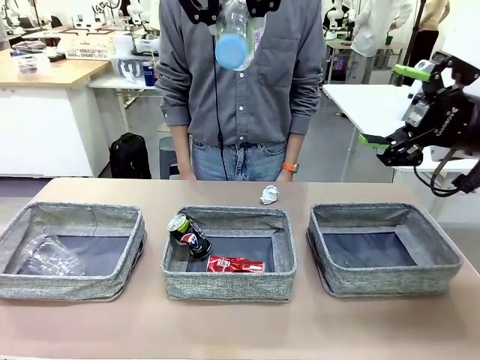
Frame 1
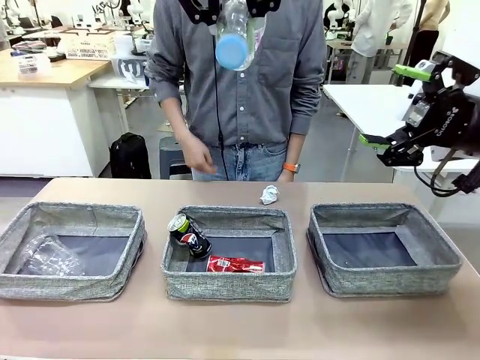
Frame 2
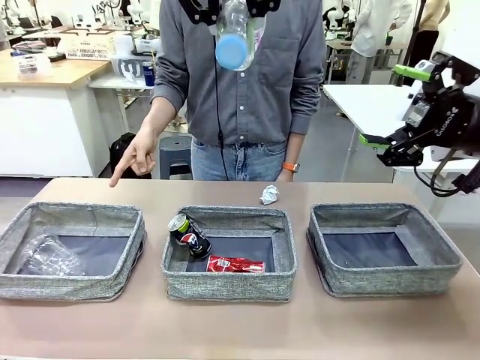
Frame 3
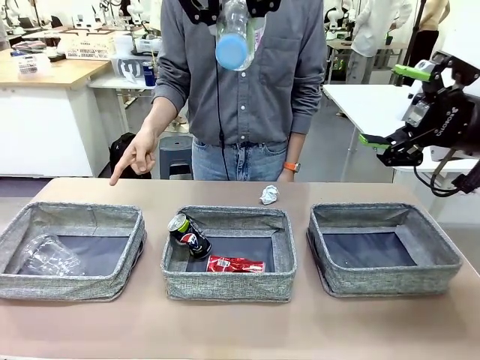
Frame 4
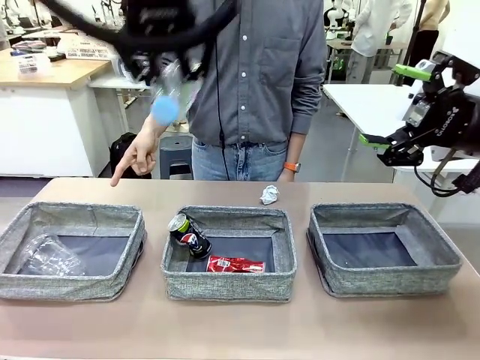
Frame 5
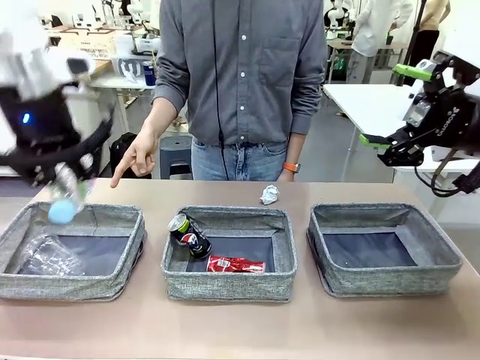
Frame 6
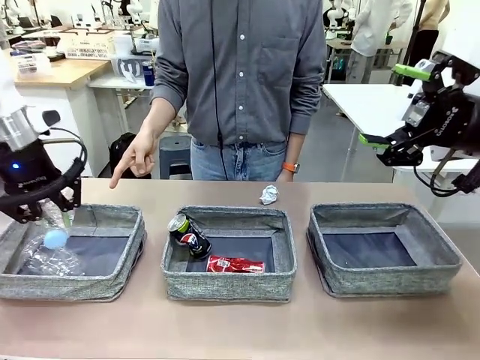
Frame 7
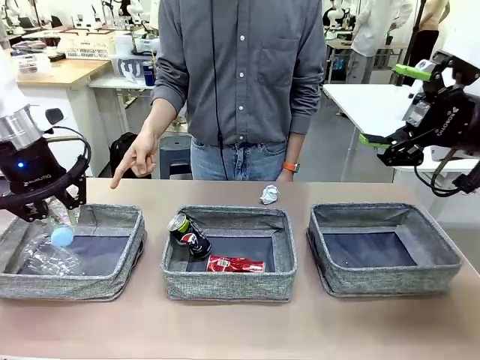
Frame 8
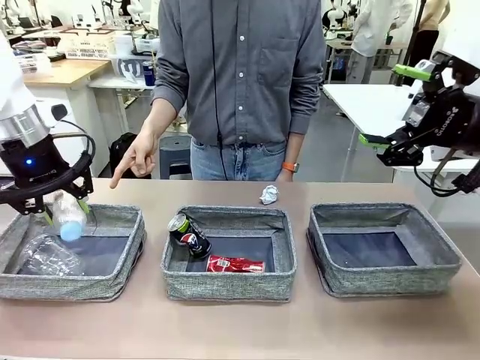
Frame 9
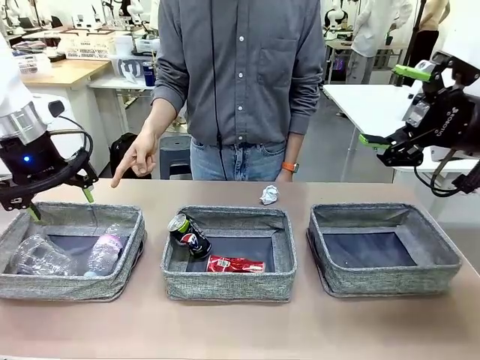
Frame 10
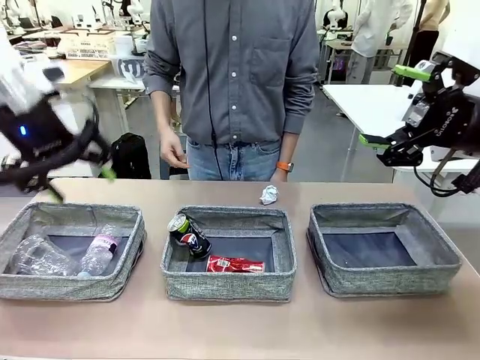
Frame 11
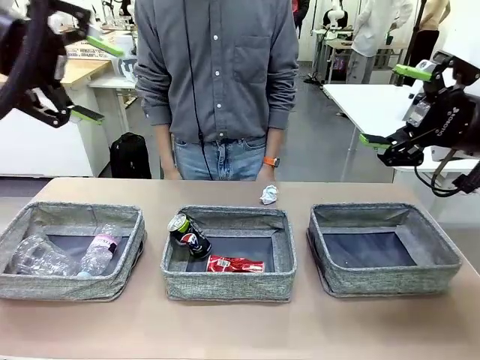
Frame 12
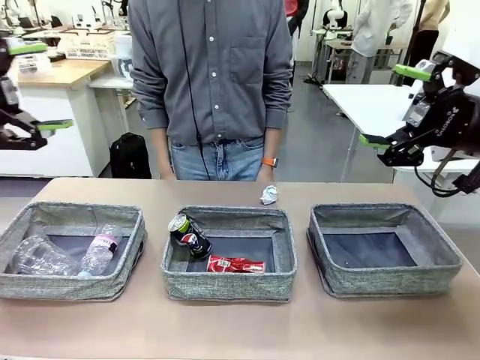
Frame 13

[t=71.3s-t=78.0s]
Task: Sort the waste into the appropriate baskets.
Robot: Place the picked waste into the Fabric basket indicated by the person.
Person: Instructs the robot to place the picked-up trash into the appropriate organizing basket.

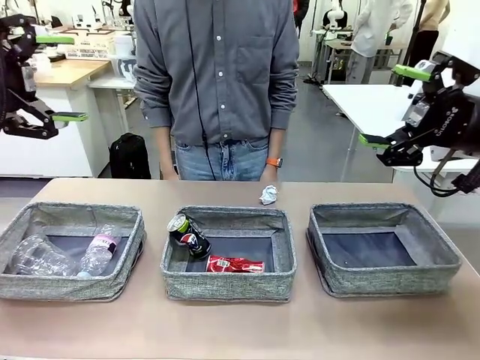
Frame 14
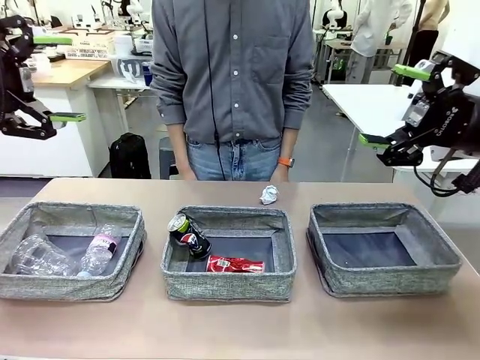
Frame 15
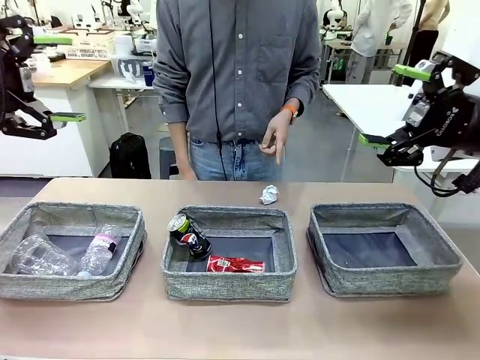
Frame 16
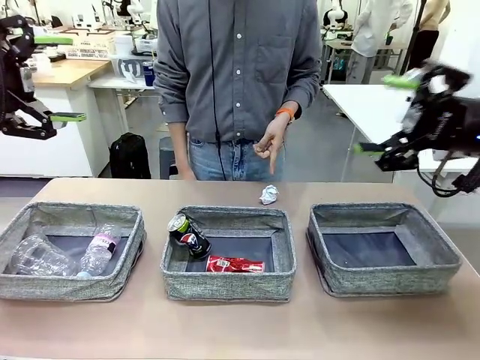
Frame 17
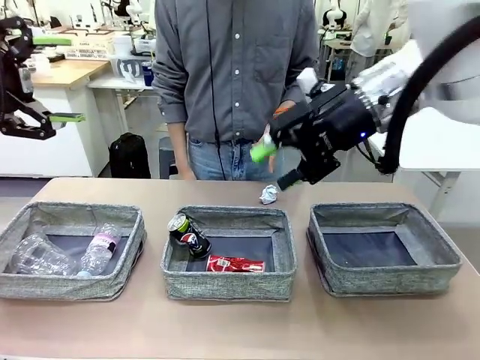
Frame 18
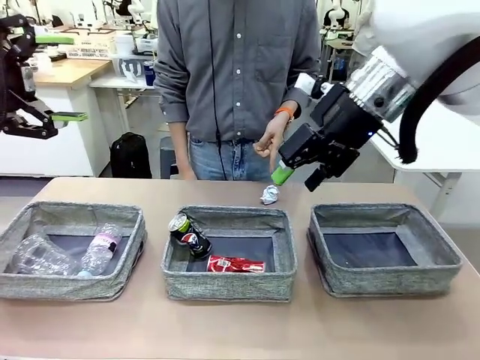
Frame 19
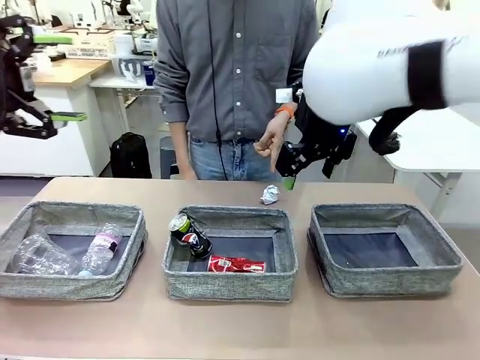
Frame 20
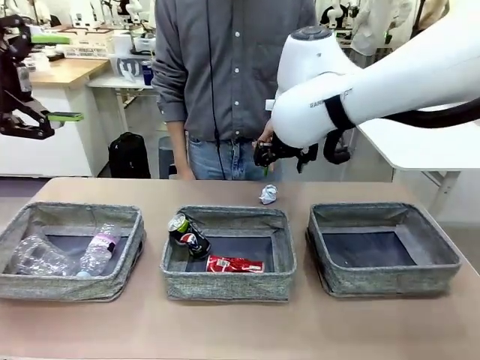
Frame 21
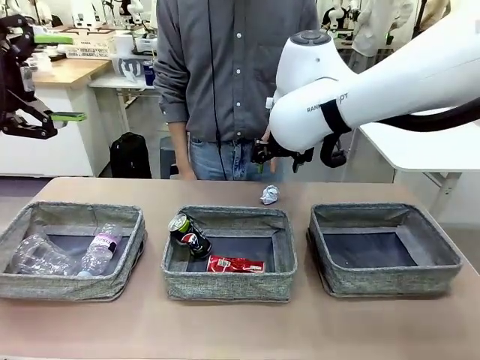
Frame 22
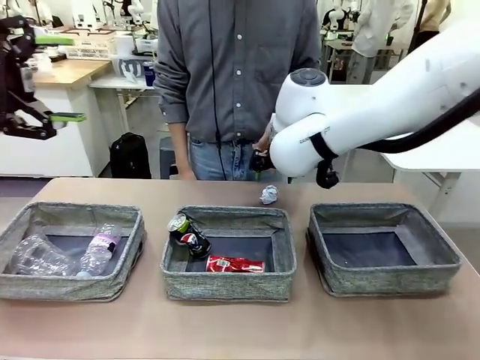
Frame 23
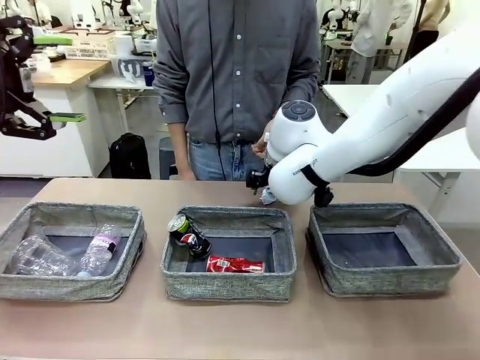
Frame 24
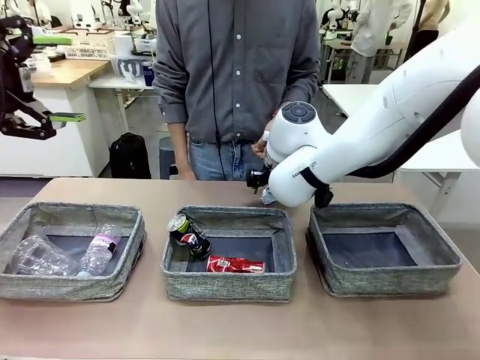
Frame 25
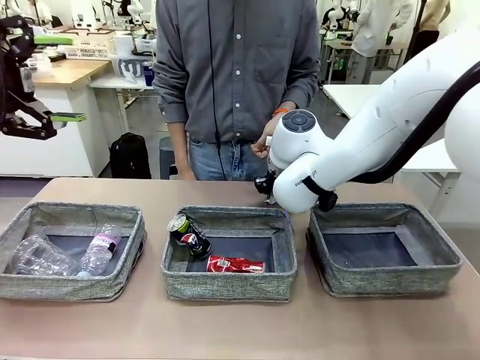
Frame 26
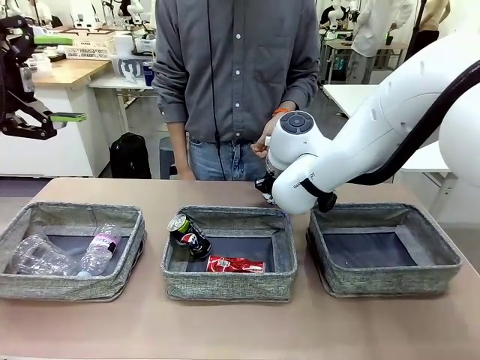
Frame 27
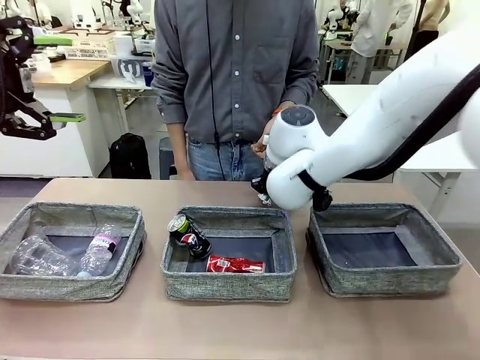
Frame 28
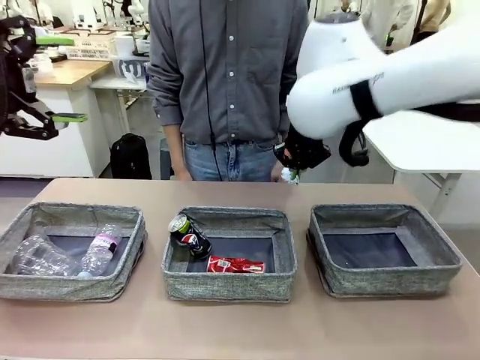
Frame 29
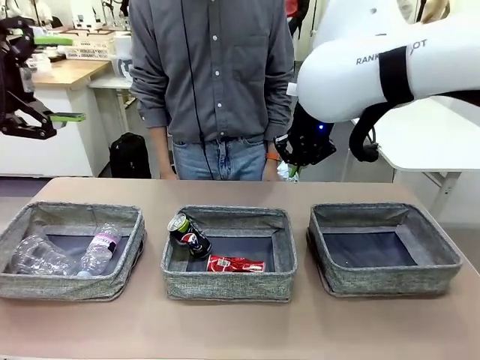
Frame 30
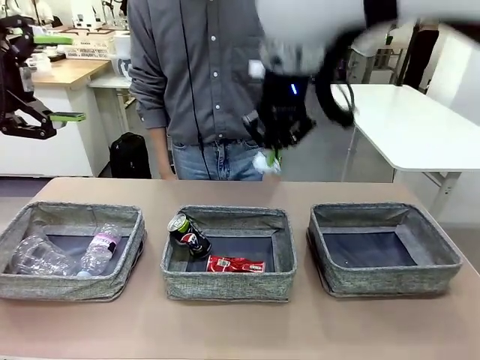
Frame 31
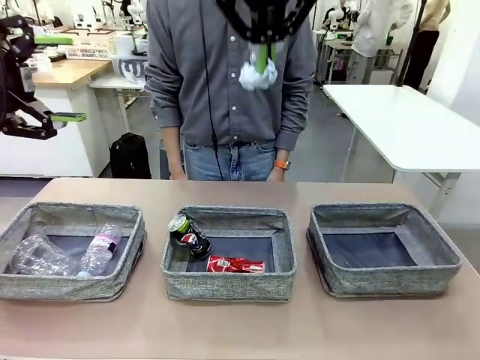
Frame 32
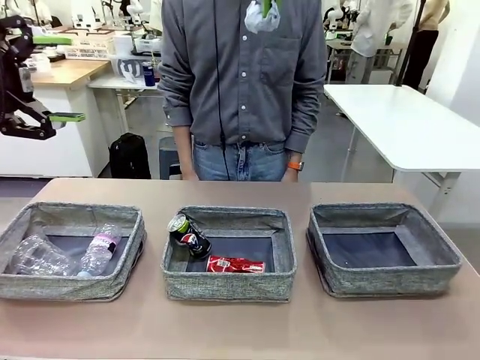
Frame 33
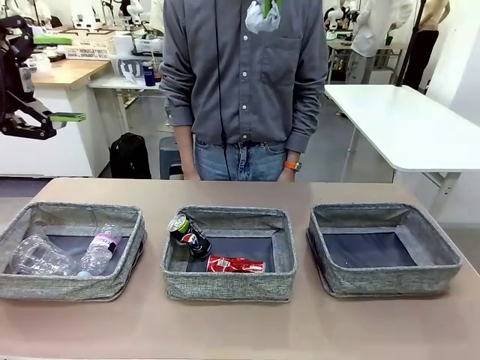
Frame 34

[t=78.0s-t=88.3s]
Robot: Pick up the waste item pointed out by the person.
Person: Points to one piece of trash on the table.

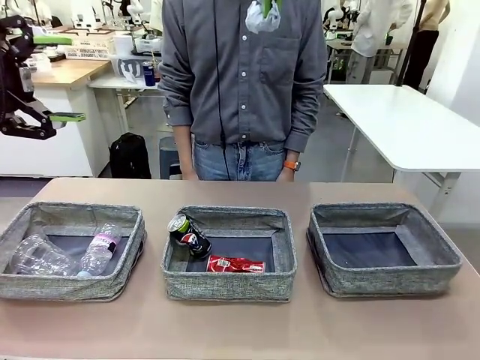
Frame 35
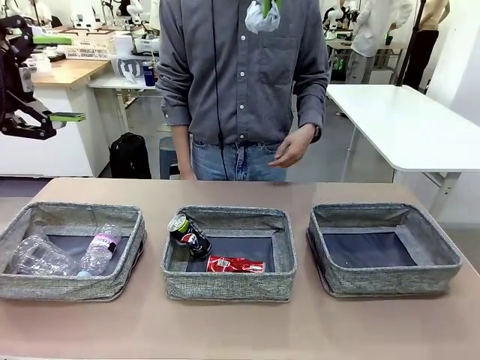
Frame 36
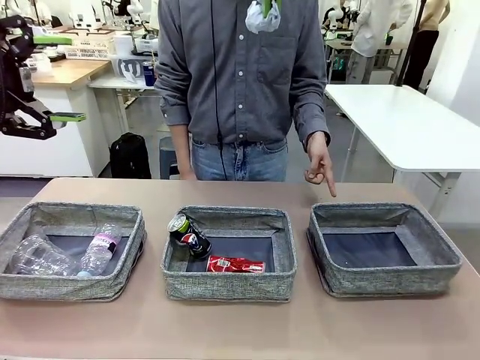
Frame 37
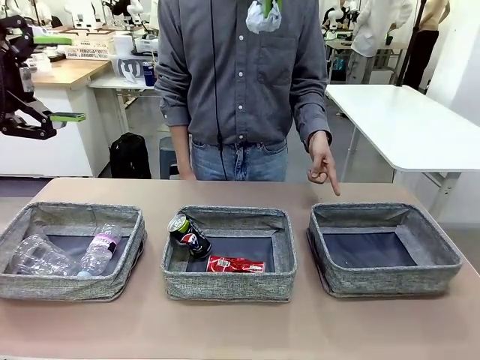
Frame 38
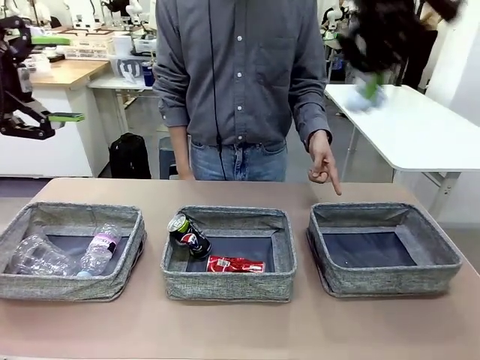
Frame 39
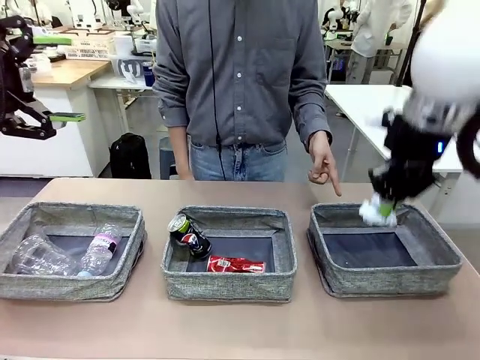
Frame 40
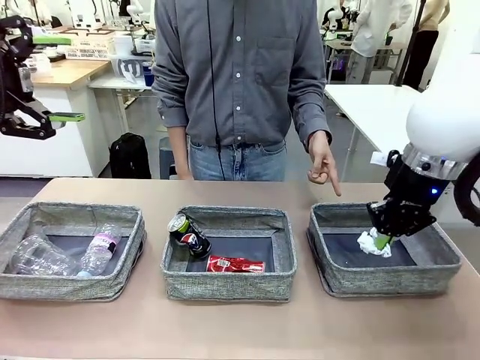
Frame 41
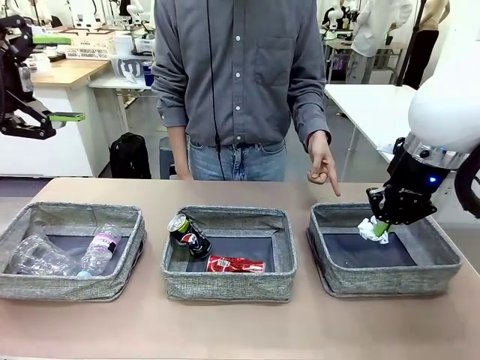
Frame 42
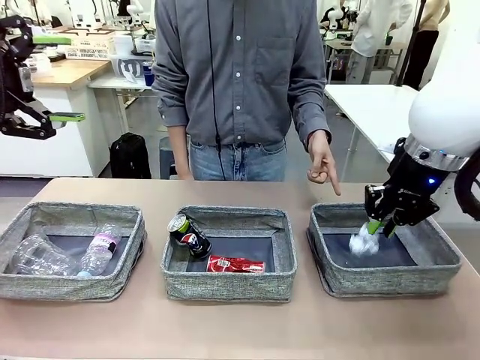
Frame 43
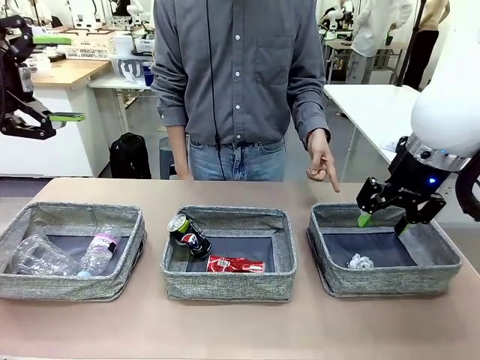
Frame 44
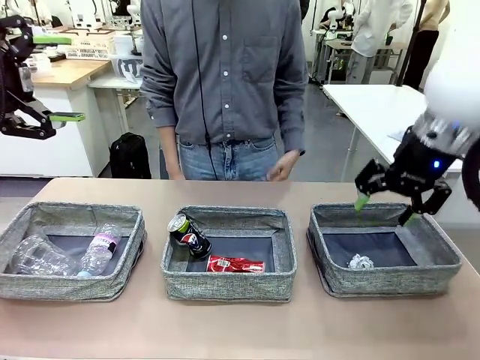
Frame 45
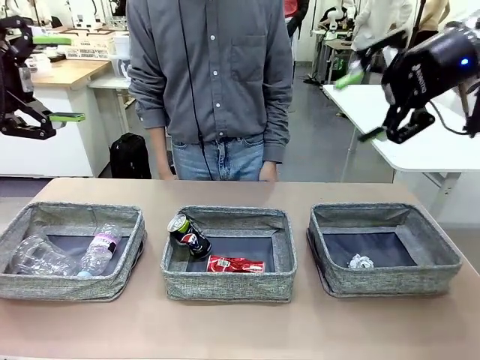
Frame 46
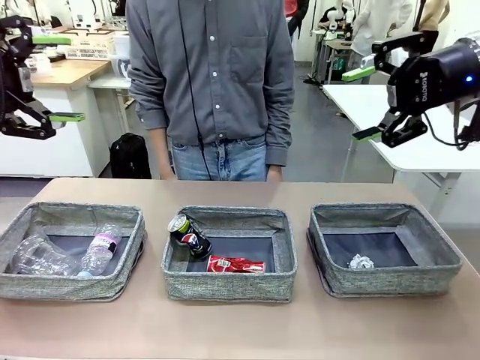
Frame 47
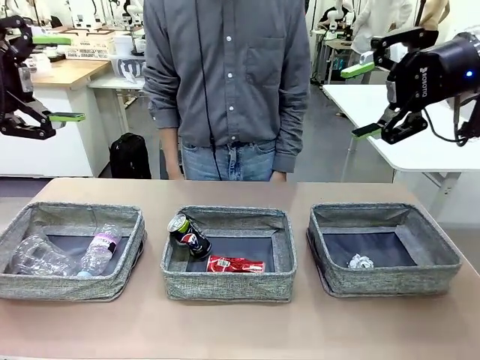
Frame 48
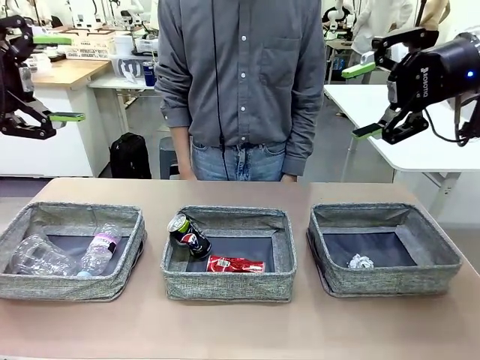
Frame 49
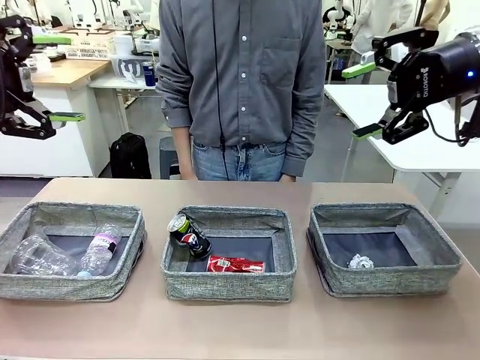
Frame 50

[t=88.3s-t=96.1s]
Robot: Place the picked waste into the Fabric basket indicated by the person.
Person: Instructs the robot to place the picked-up trash into the appropriate organizing basket.
